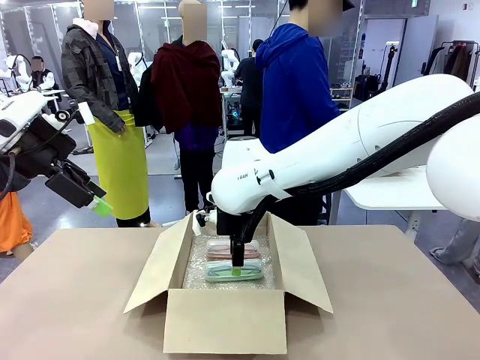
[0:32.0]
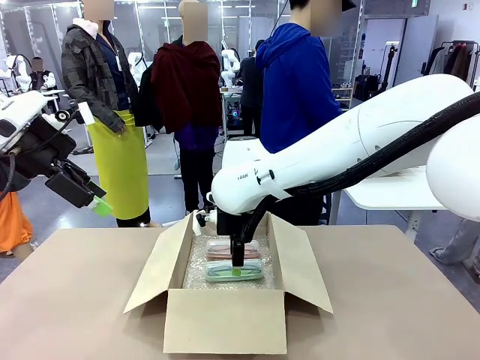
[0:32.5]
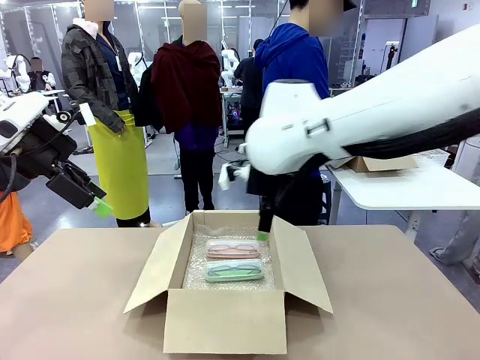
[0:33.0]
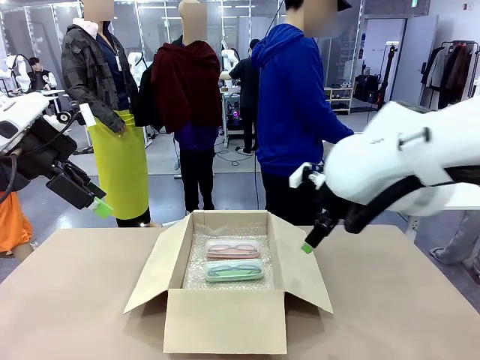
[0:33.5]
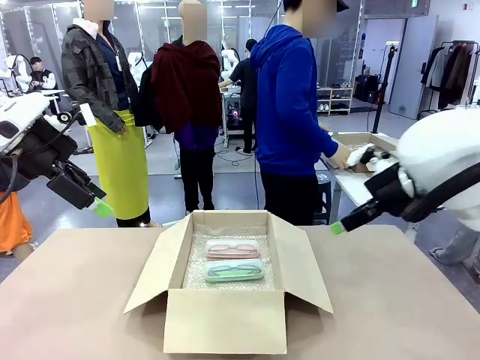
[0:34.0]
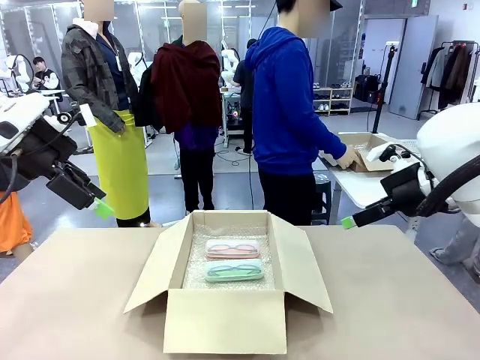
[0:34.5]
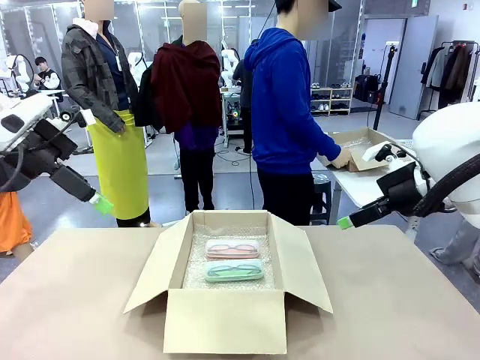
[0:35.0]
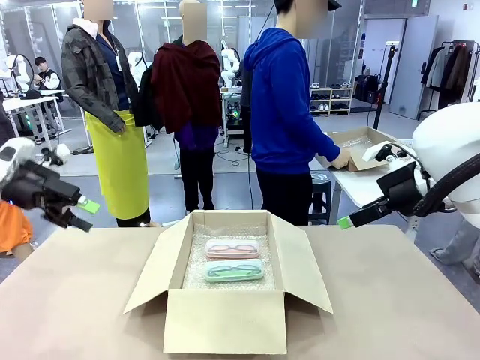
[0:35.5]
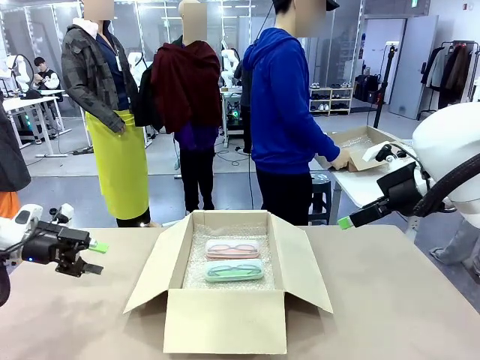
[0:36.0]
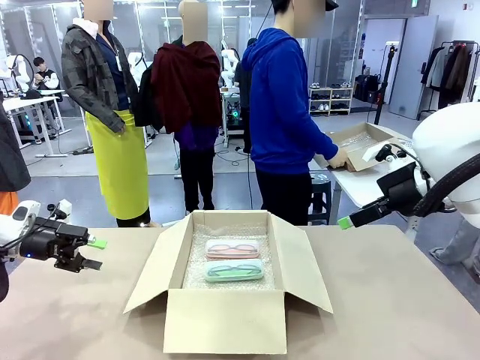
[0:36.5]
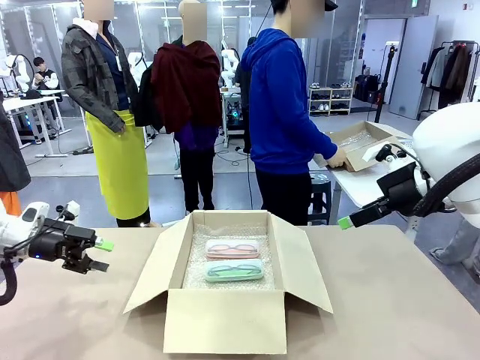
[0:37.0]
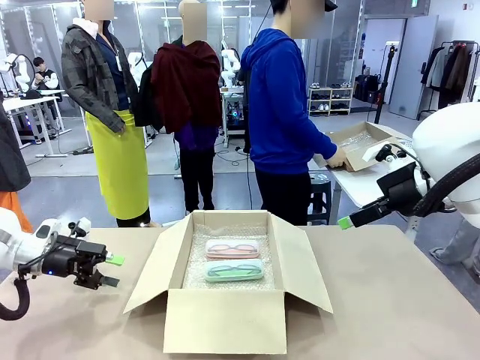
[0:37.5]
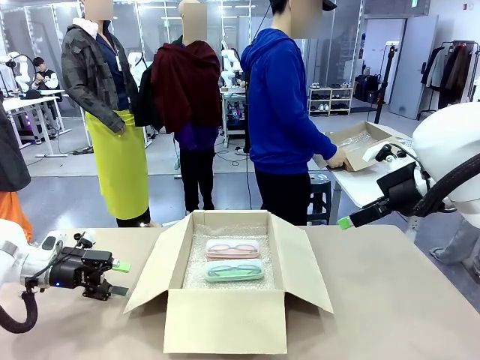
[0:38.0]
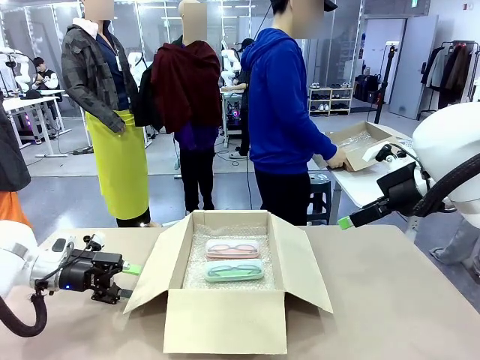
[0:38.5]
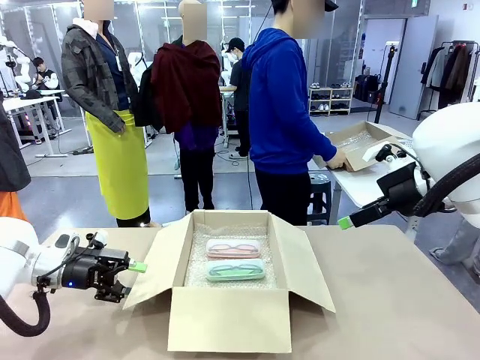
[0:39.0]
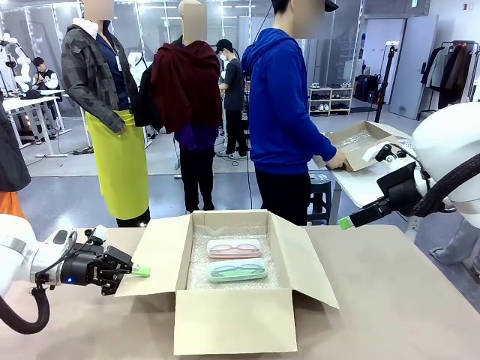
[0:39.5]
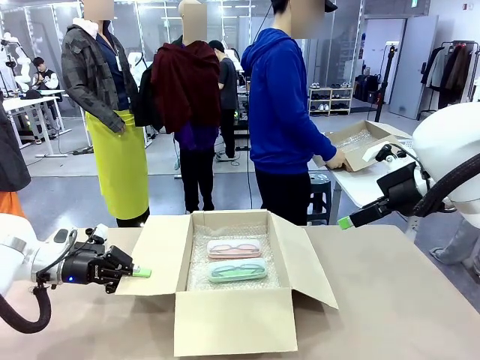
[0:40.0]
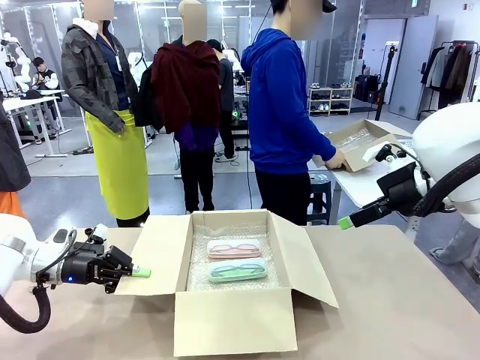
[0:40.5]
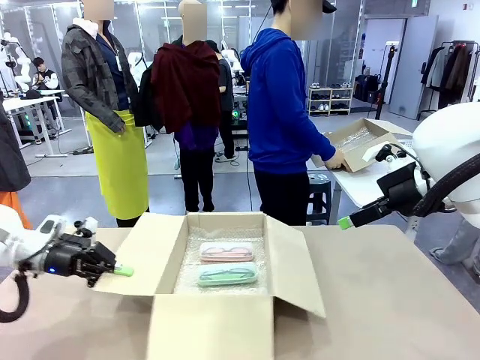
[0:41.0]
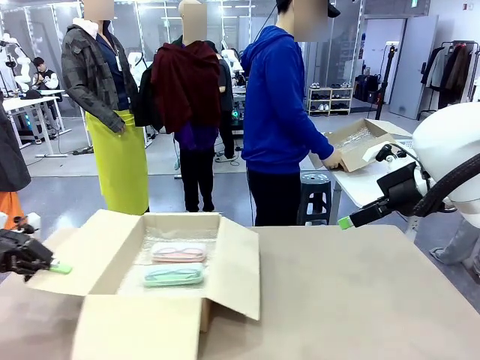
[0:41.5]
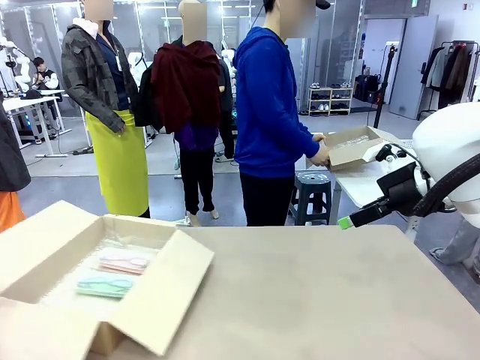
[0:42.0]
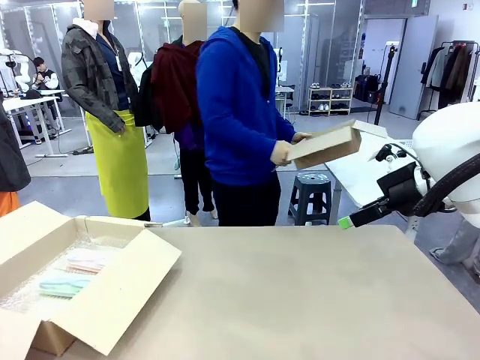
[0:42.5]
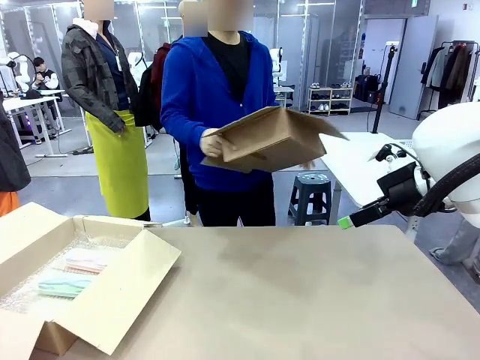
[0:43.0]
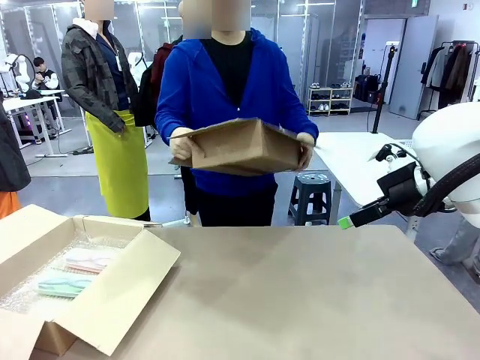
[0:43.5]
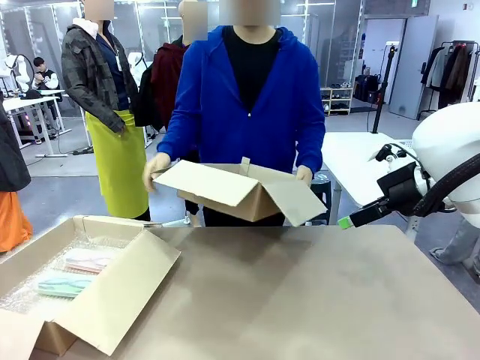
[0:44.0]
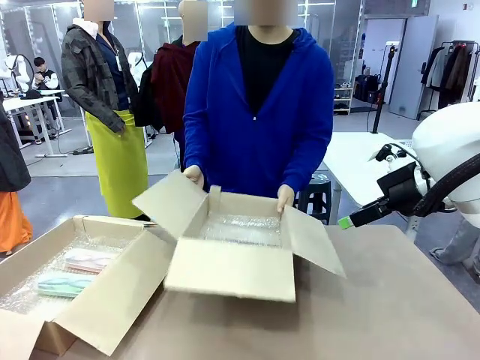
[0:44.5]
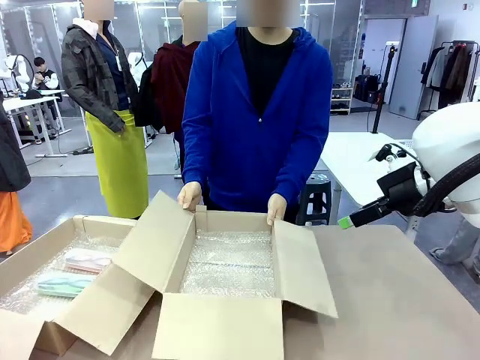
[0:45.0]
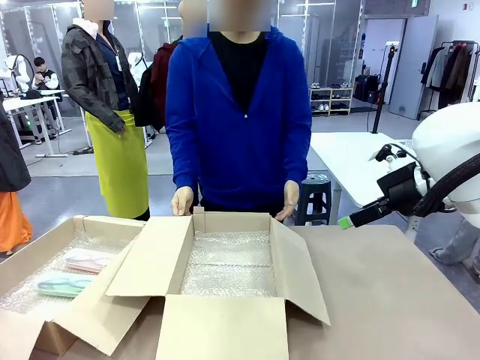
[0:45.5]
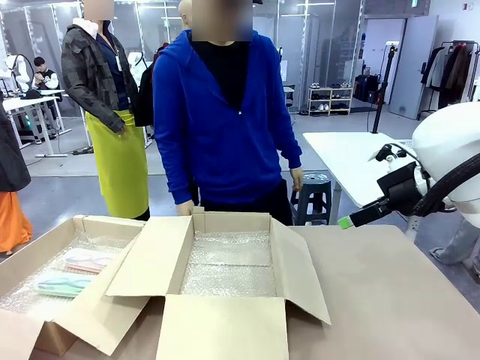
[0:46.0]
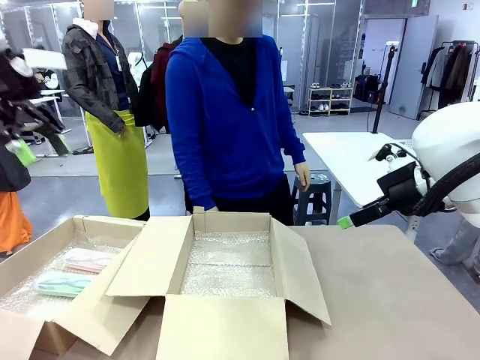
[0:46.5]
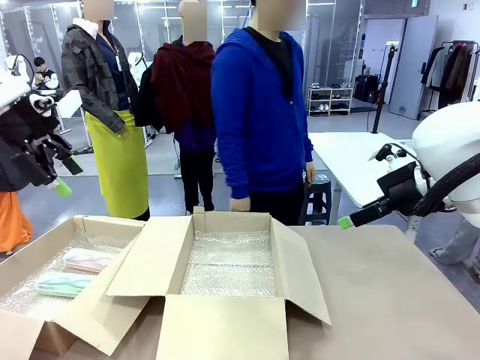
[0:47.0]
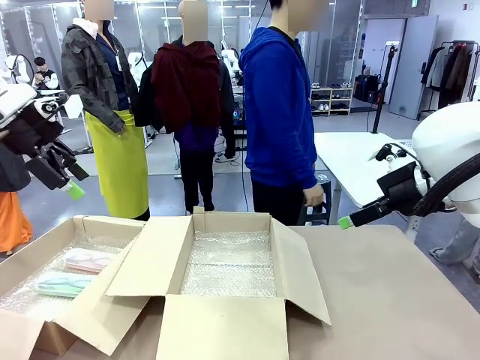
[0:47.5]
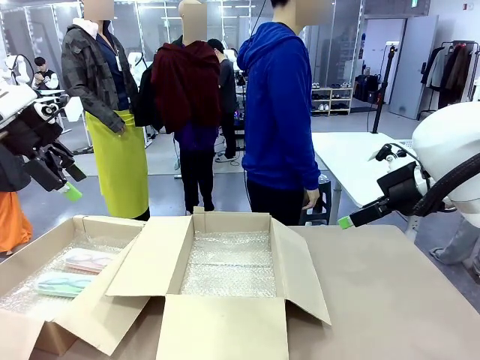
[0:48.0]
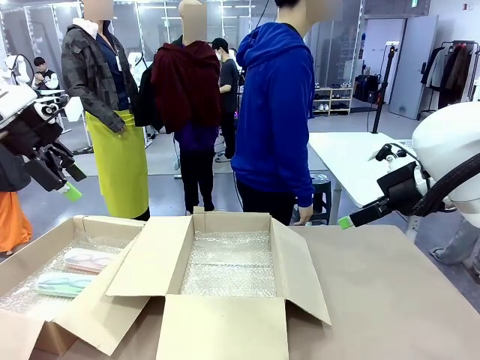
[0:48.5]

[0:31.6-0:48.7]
Task: Pack the glasses set securely to prepare it for shipping.
Robot: Position the Package Box on the left side of the table.
Person: Position the empty Package Box in the middle of the robot's table.

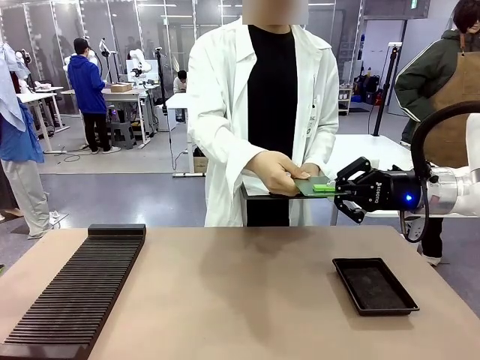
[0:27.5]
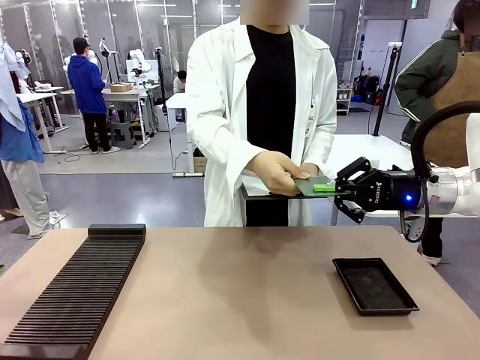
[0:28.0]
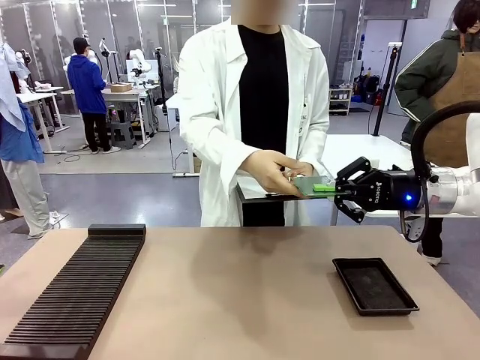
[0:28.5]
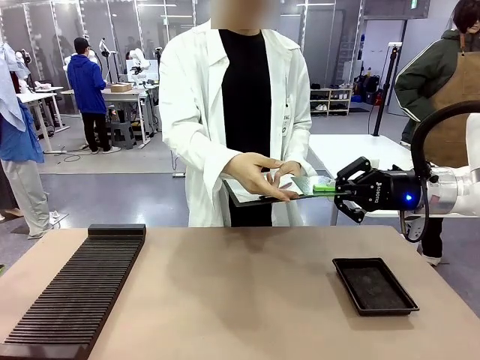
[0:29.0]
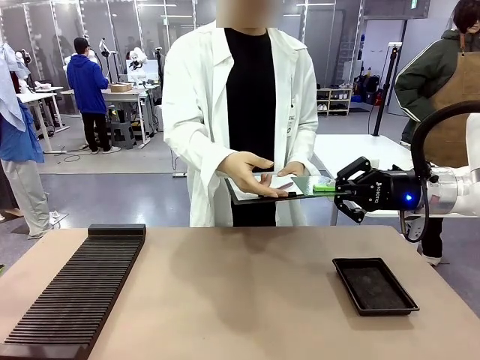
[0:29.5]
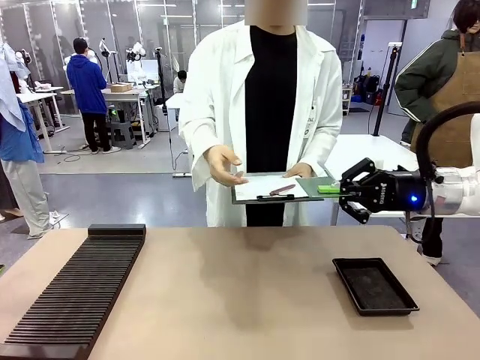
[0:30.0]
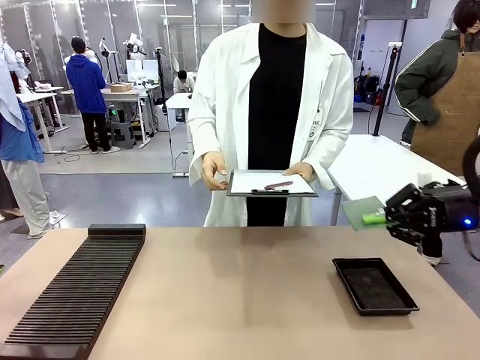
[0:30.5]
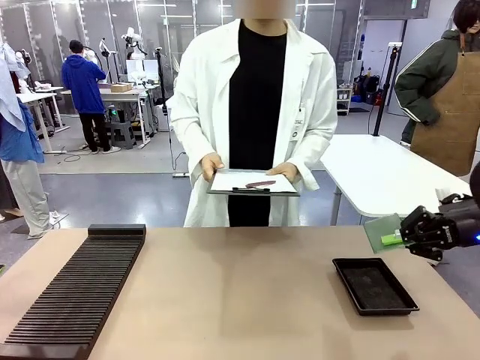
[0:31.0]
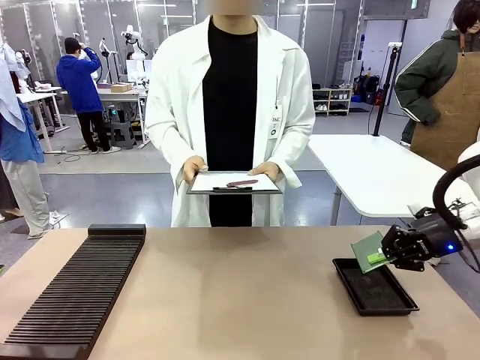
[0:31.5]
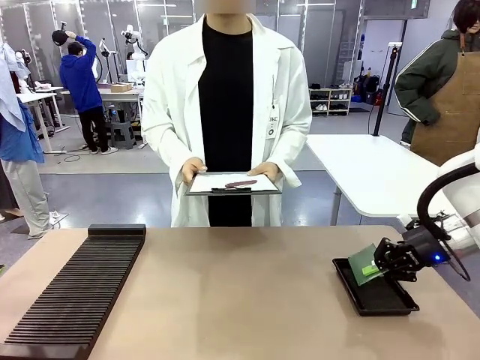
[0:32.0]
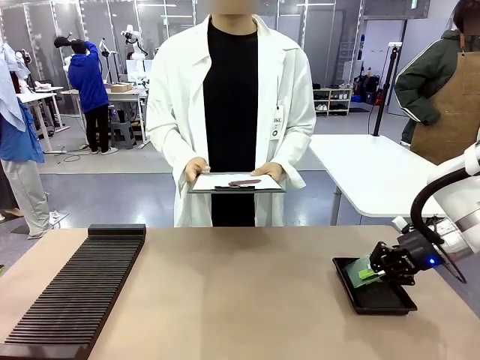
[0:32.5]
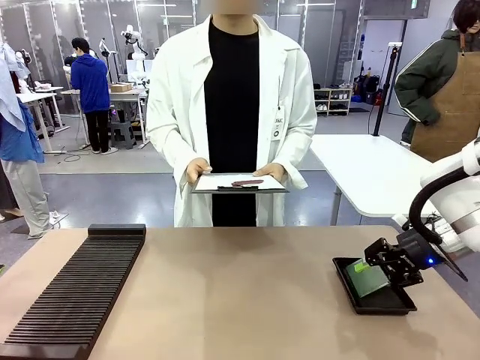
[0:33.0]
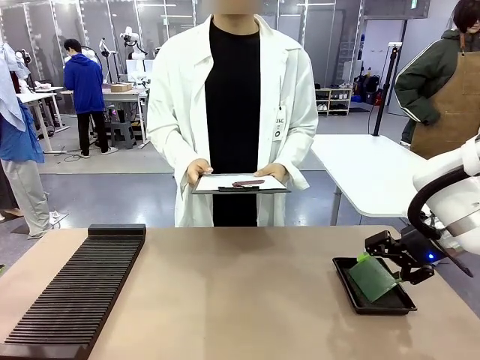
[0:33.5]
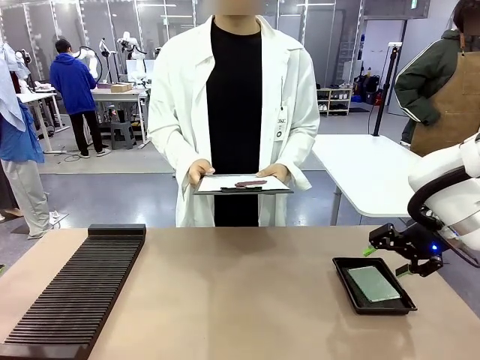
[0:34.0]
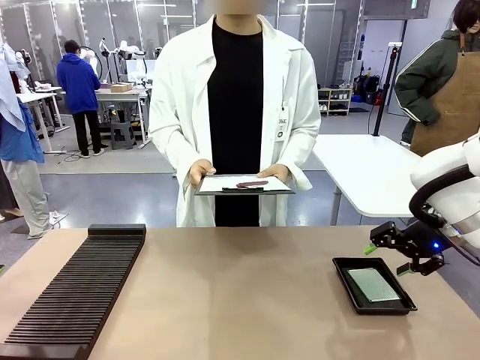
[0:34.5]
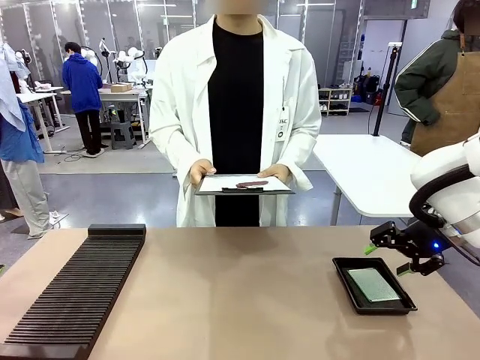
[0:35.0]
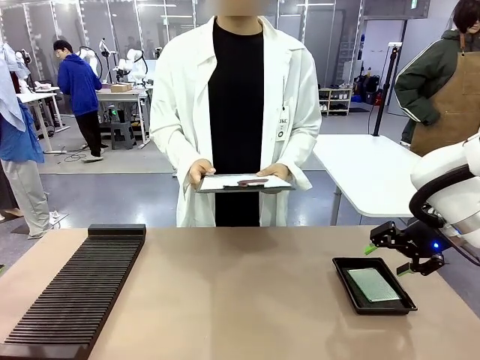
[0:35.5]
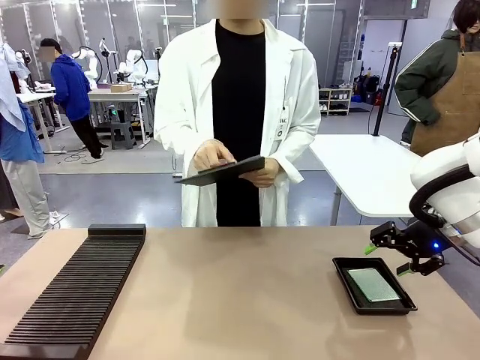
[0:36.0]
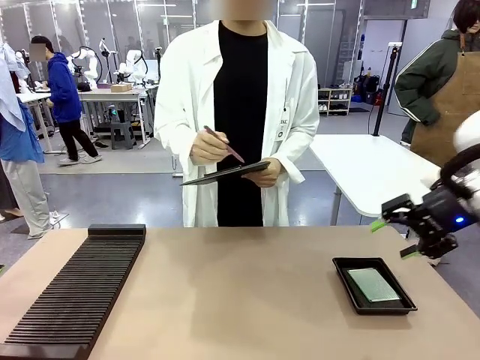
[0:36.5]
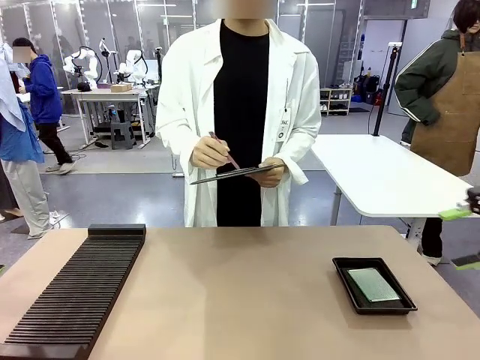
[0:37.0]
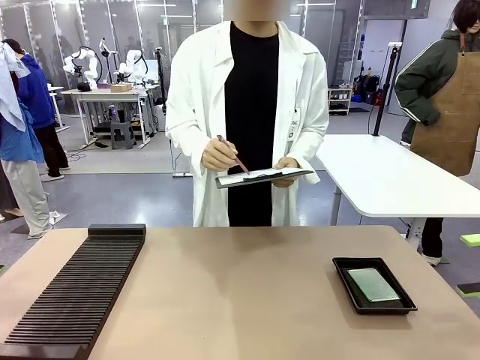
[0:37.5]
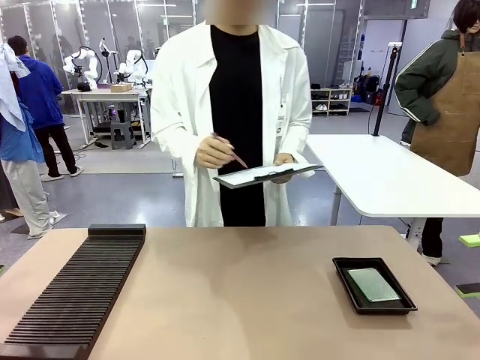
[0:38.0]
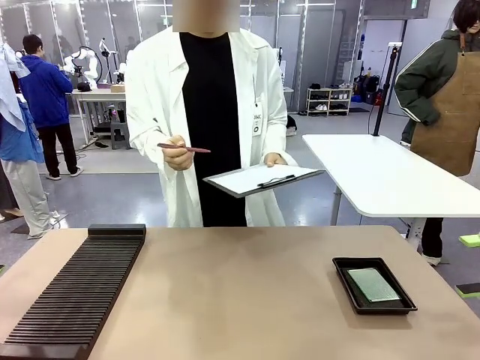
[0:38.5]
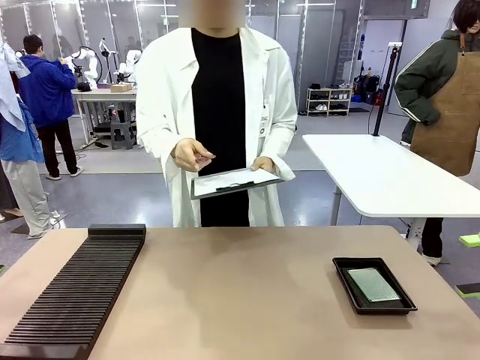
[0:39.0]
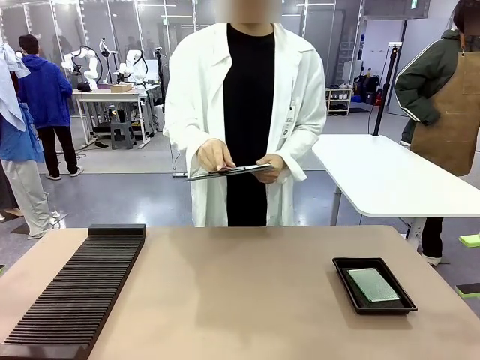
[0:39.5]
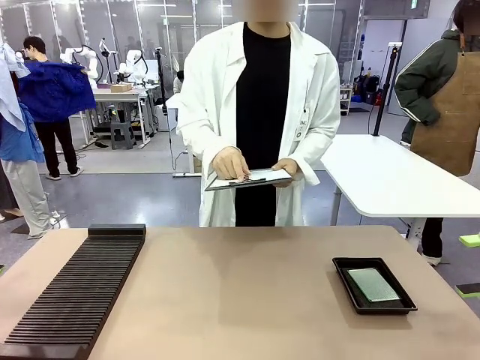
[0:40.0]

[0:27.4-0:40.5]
Task: Inspect the PCB.
Robot: Place the Blank PCB in the ESD tray.
Person: Record the PCB status on the paper.
